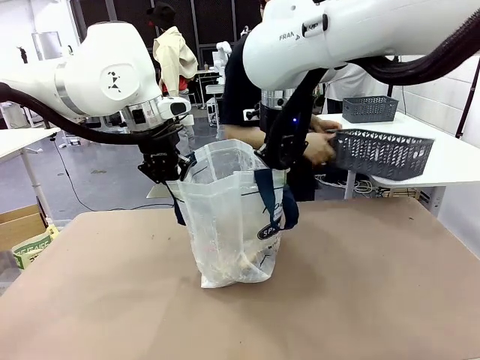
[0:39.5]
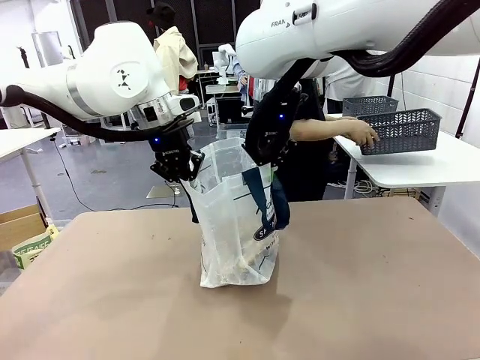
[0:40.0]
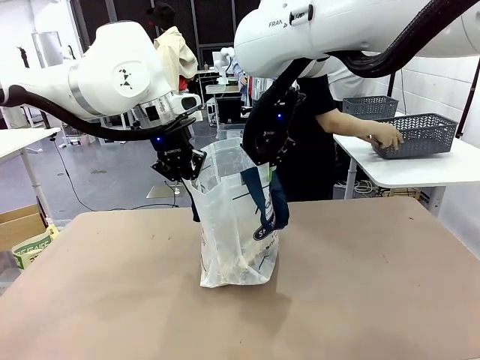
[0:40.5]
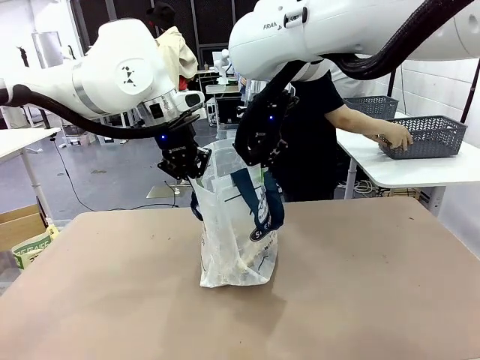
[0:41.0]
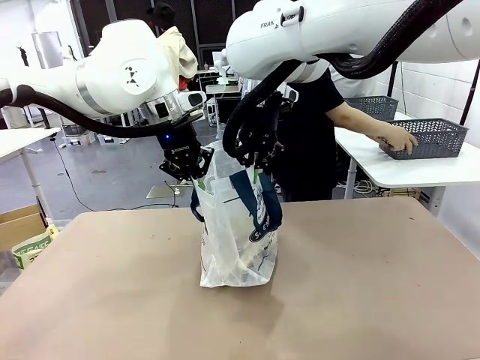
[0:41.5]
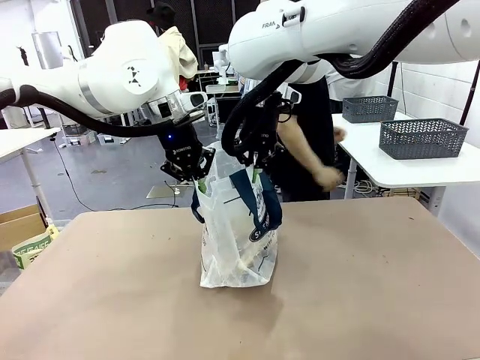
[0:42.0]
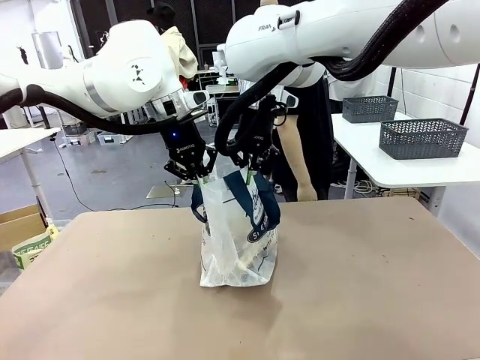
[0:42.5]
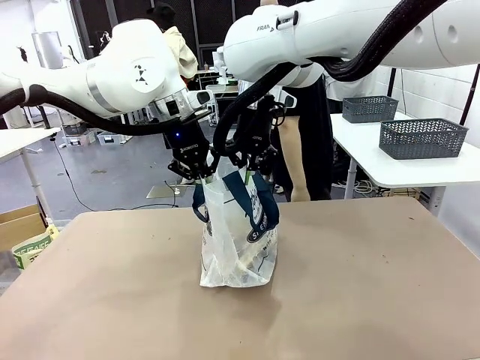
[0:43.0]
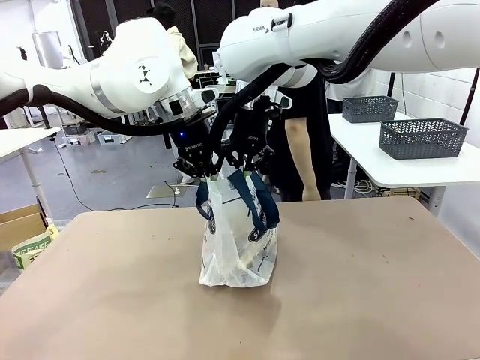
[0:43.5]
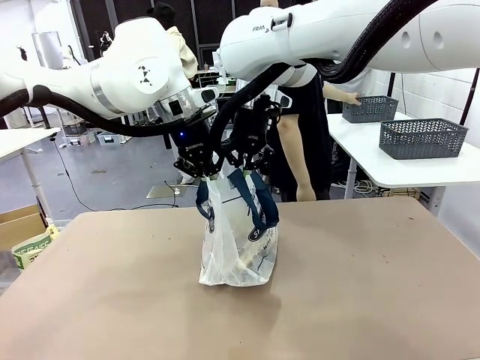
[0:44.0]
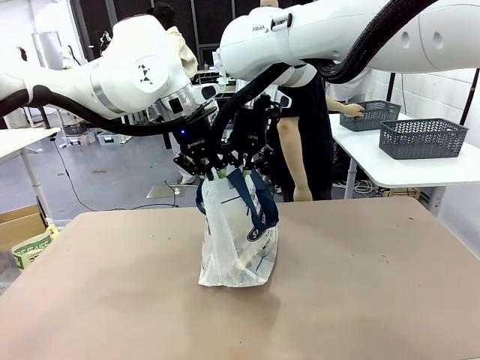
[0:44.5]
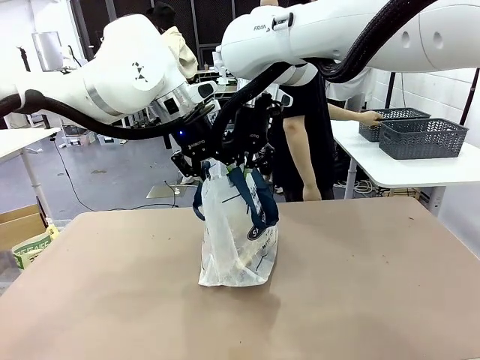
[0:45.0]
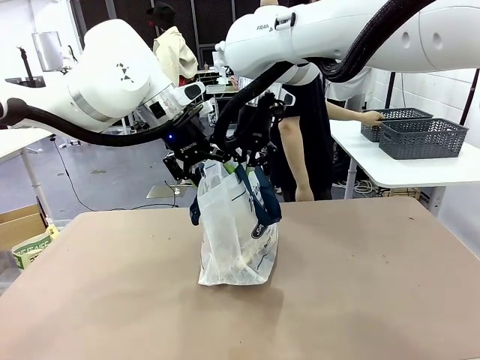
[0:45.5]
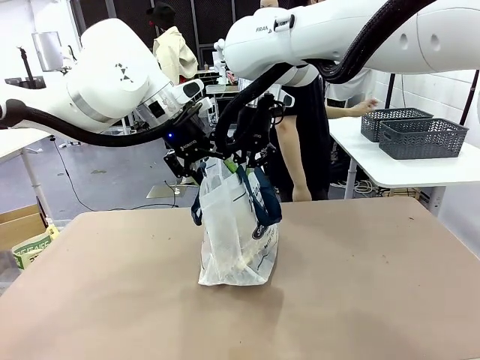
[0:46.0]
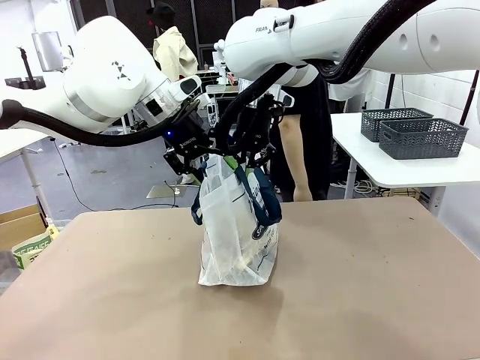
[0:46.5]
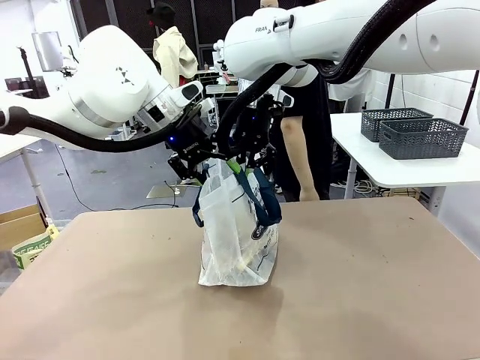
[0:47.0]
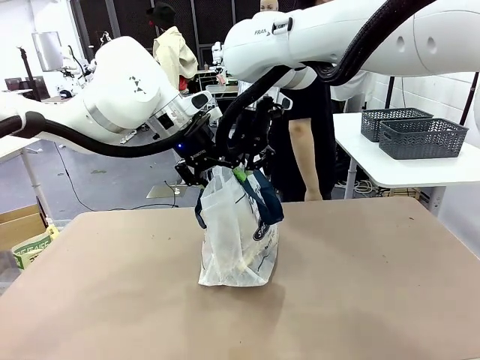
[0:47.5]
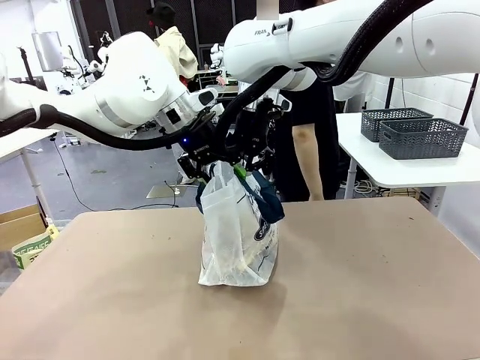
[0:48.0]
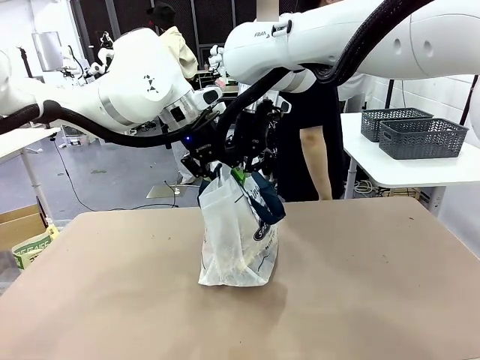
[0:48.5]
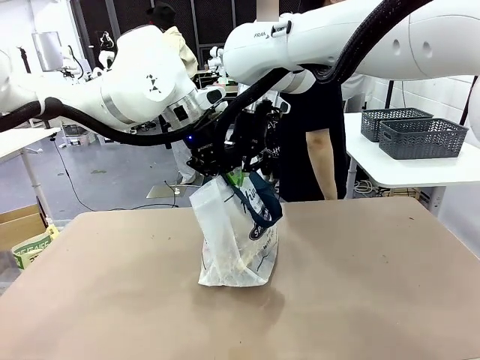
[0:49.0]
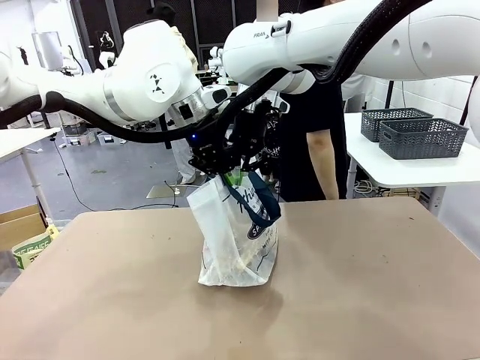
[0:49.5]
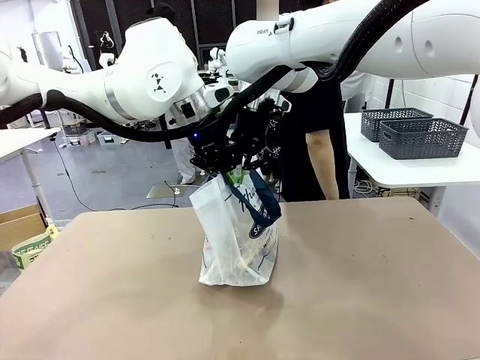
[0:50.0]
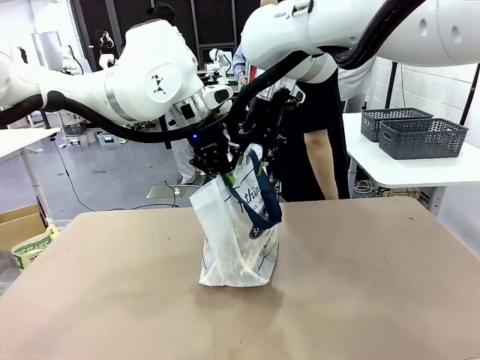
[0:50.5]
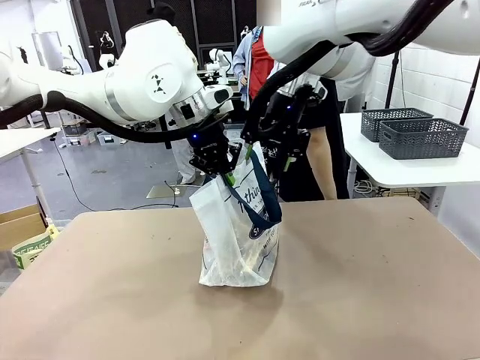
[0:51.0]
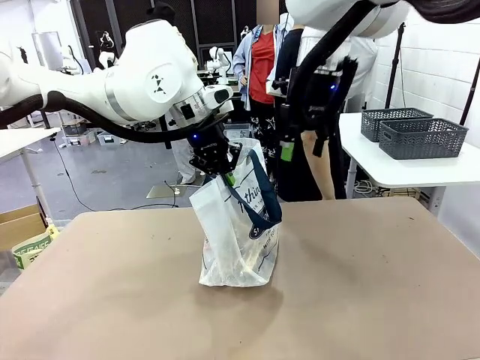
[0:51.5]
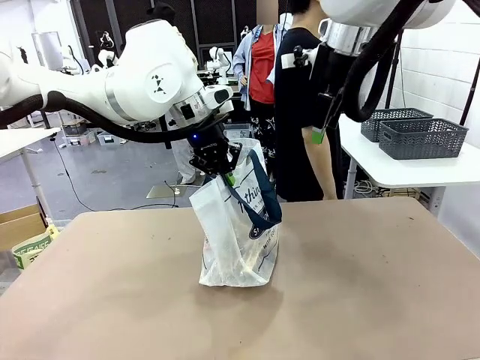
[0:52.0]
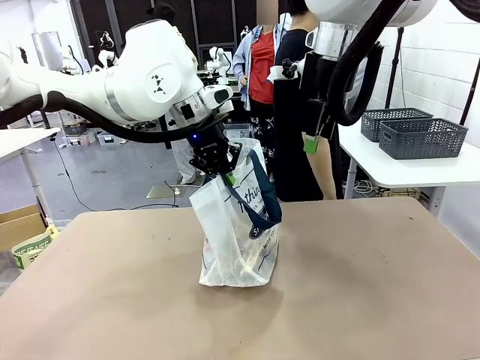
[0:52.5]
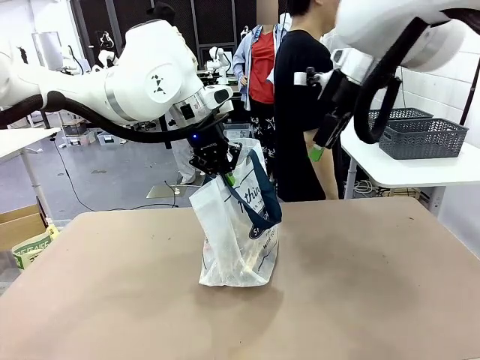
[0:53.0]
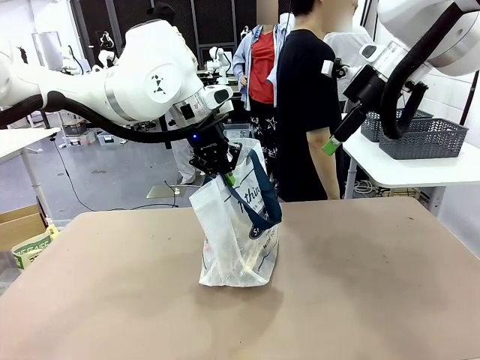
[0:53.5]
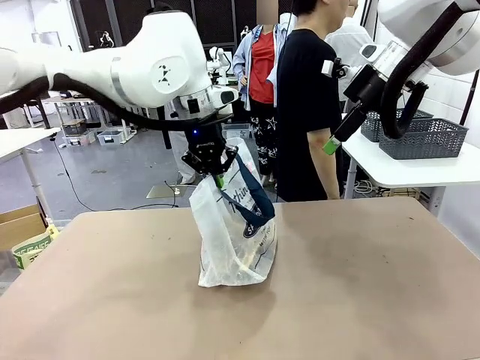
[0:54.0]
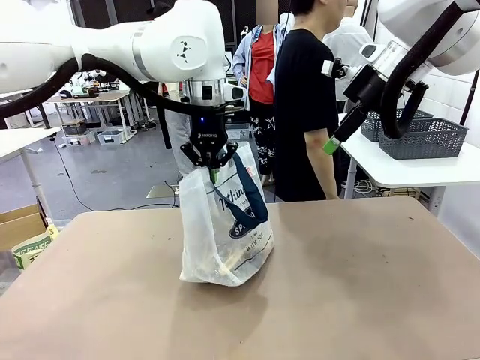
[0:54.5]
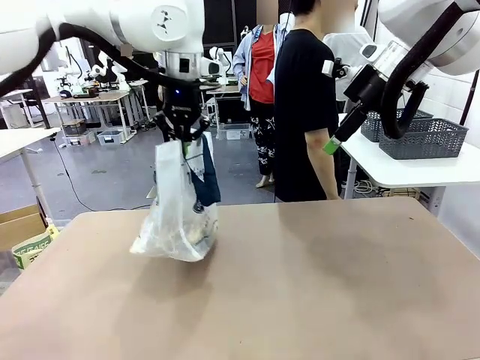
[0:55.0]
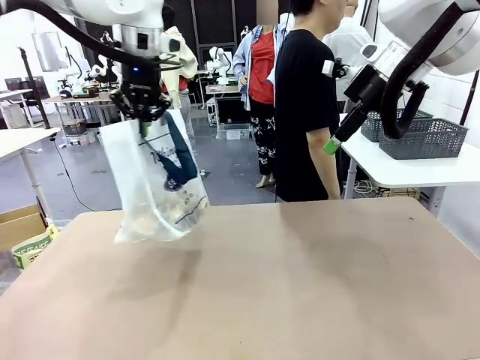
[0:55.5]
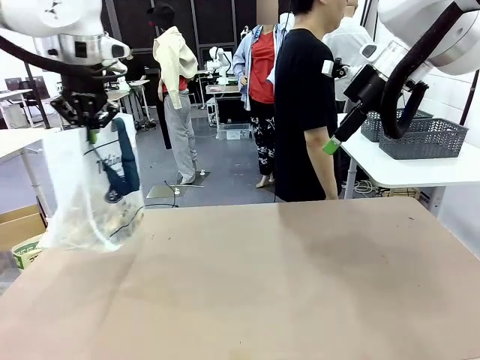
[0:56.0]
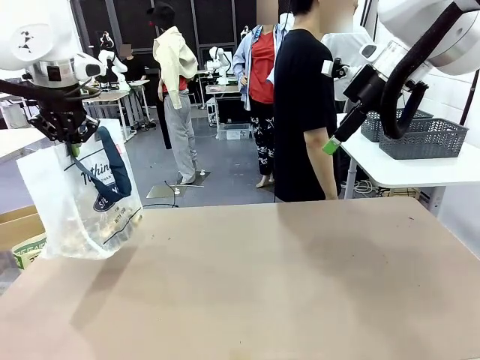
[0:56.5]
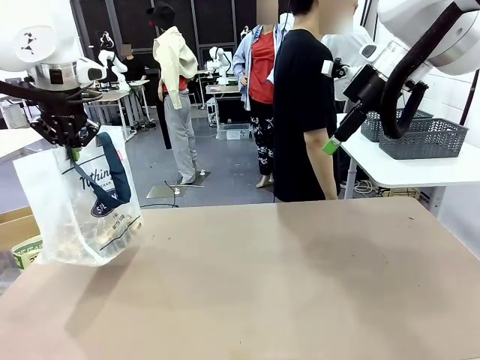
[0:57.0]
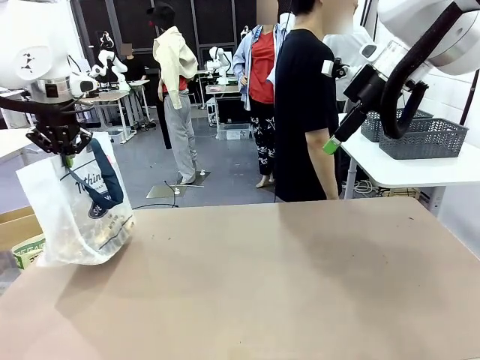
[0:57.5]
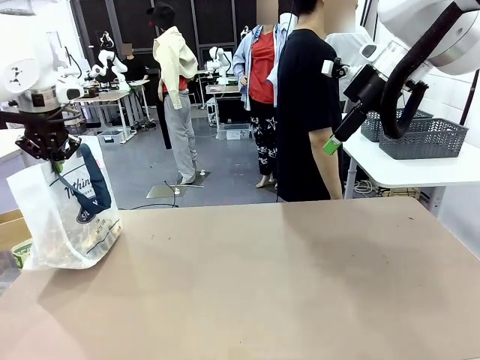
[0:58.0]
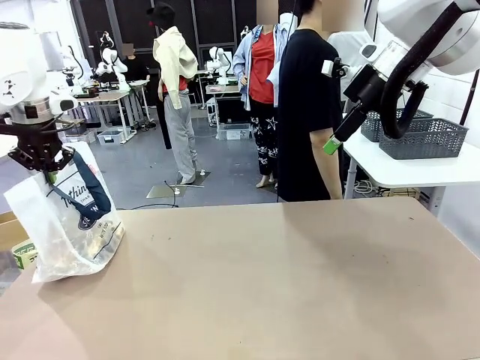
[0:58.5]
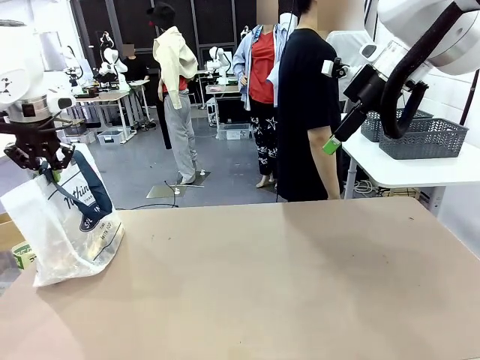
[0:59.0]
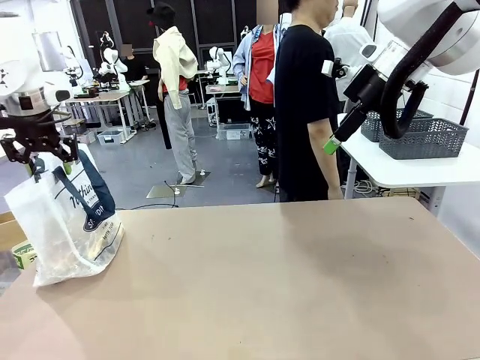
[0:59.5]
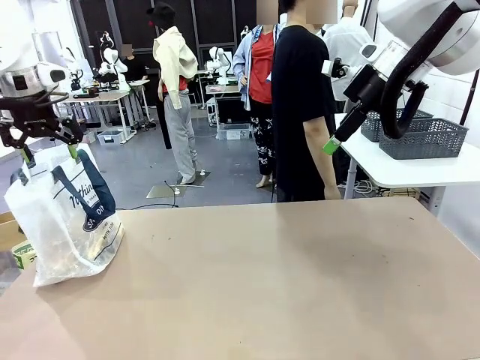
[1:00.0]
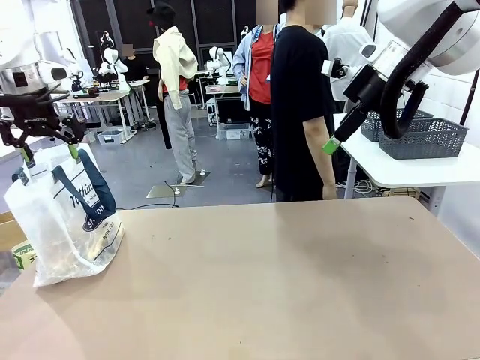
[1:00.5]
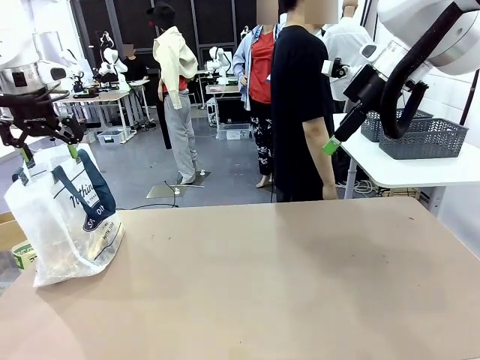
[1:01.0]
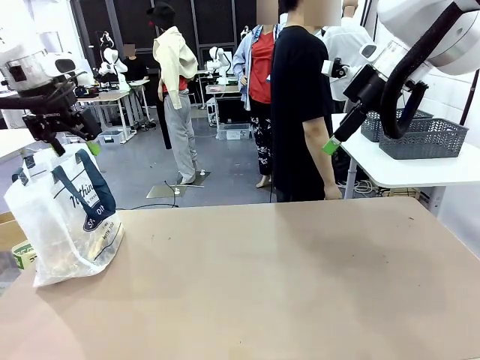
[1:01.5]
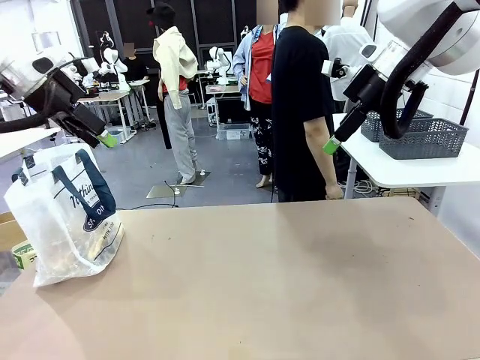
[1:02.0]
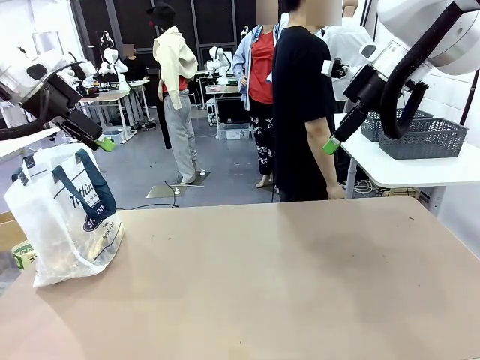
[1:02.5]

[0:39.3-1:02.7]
Task: Transfer purchased items from the store into the shopping bag.
Robot: Move the Reusable shopping bag to the right side of the table.
Person: Pick up the basket with the items out and place it on the right side of the human table. Move the basket on the left to the middle of the person's table.

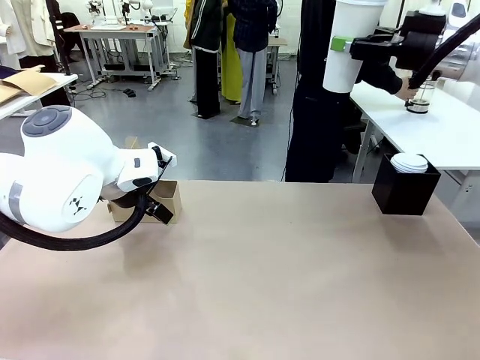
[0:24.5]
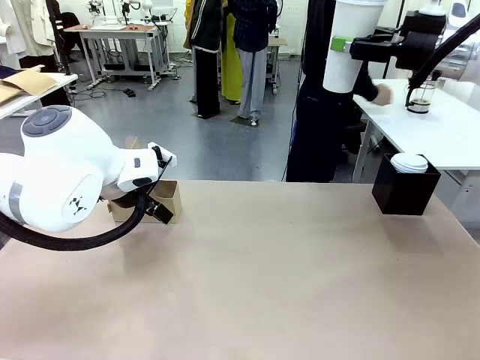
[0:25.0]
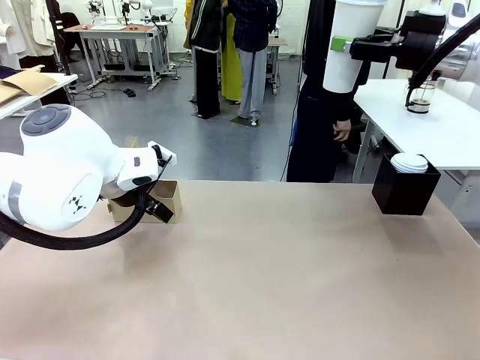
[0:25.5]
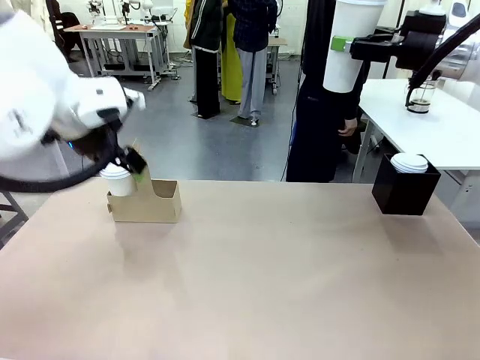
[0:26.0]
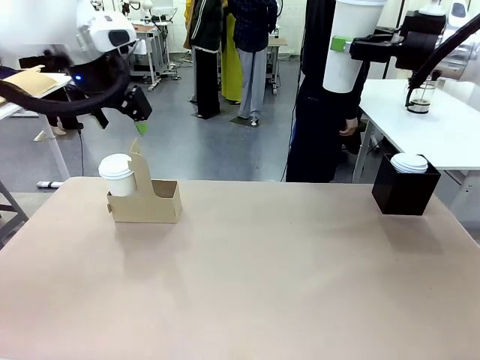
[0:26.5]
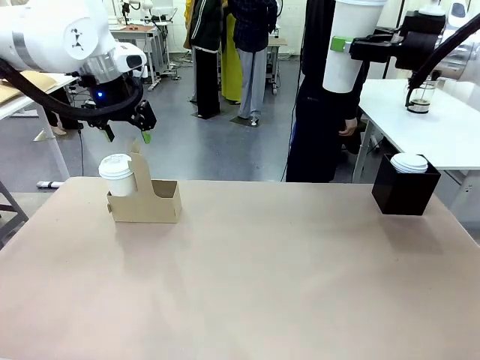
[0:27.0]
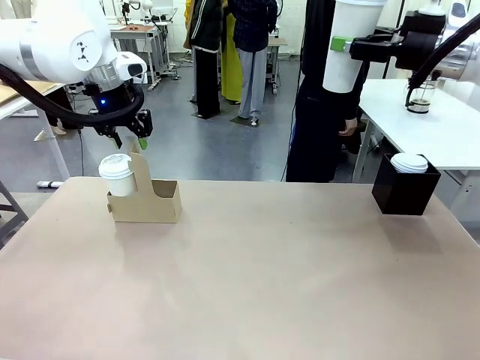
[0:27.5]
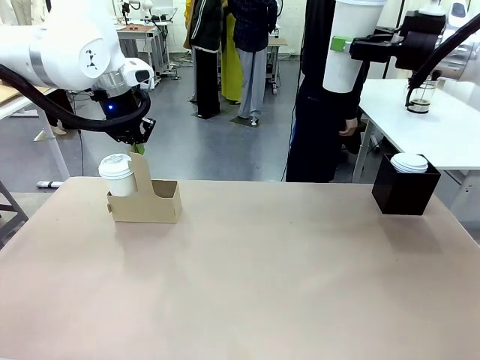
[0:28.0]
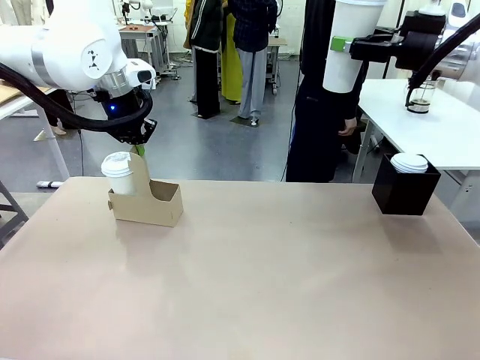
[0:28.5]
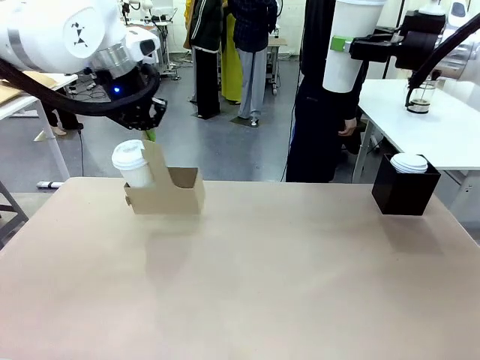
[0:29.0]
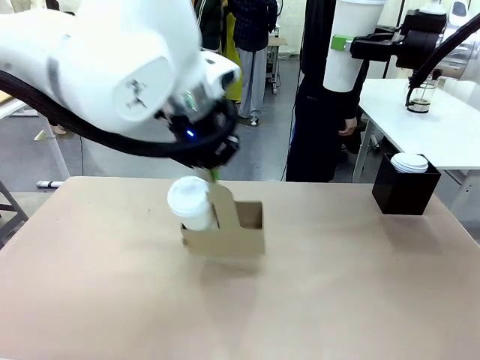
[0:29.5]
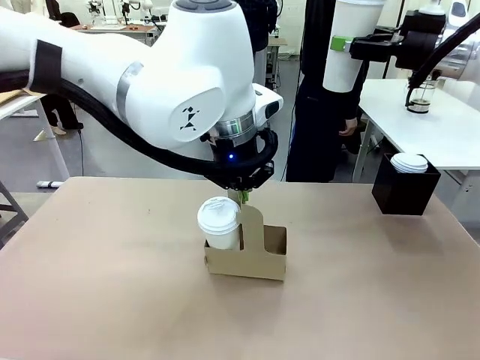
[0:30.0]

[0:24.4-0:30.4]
Task: Pour a drink into a cup and package it in a carrier.
Robot: Position the Cup Carrier in the center of the table.
